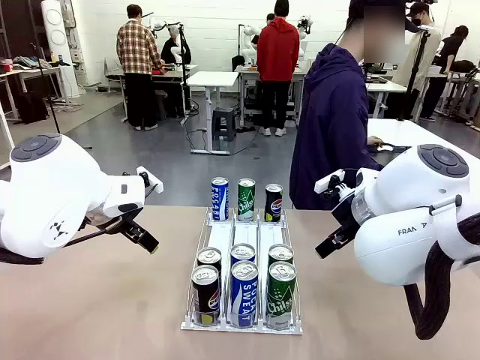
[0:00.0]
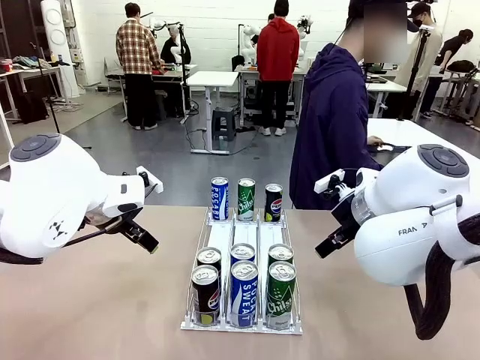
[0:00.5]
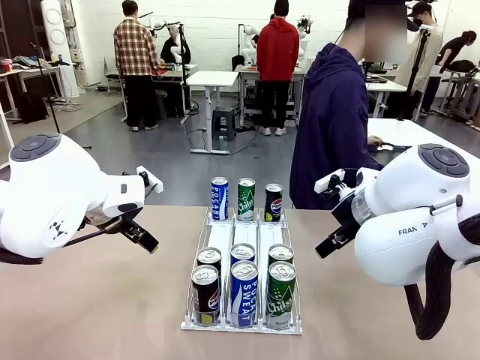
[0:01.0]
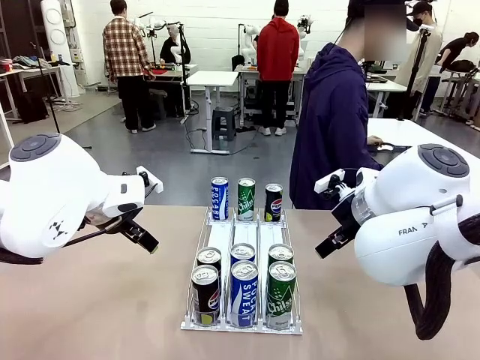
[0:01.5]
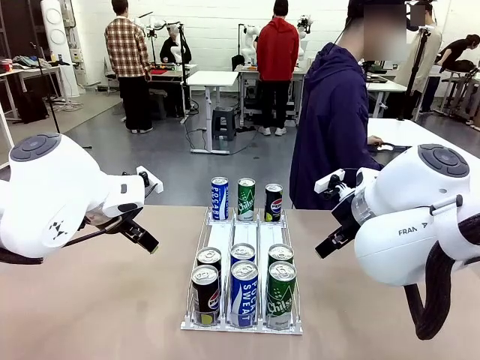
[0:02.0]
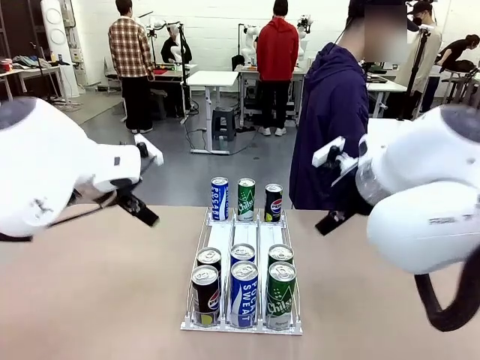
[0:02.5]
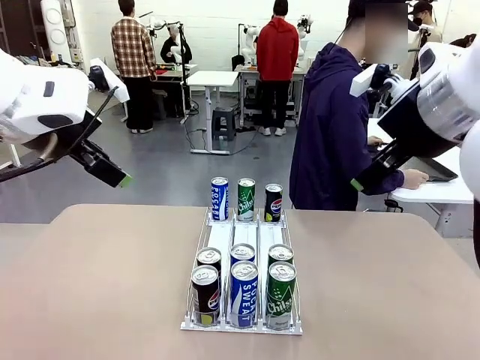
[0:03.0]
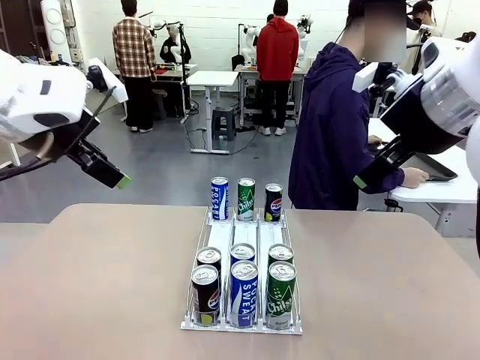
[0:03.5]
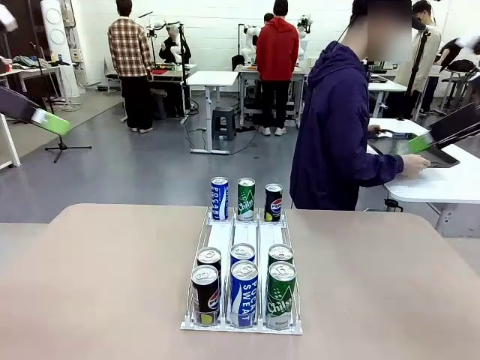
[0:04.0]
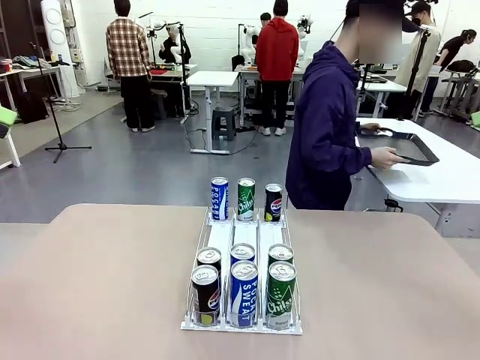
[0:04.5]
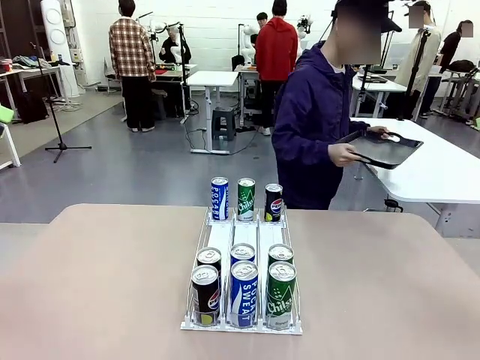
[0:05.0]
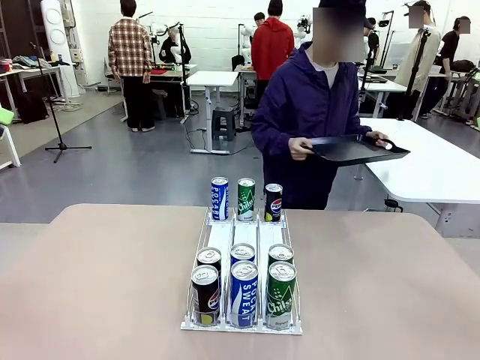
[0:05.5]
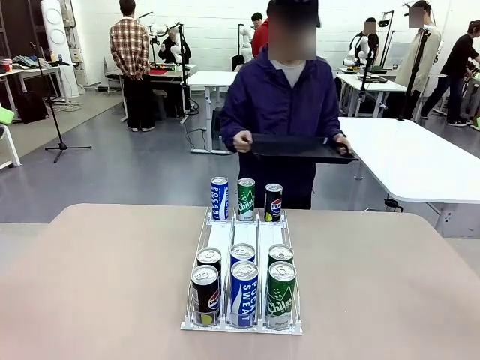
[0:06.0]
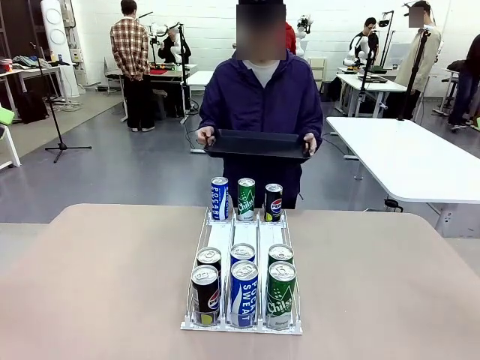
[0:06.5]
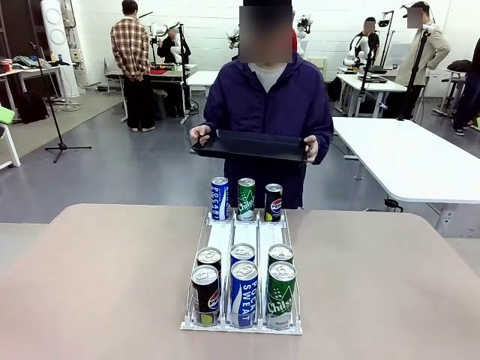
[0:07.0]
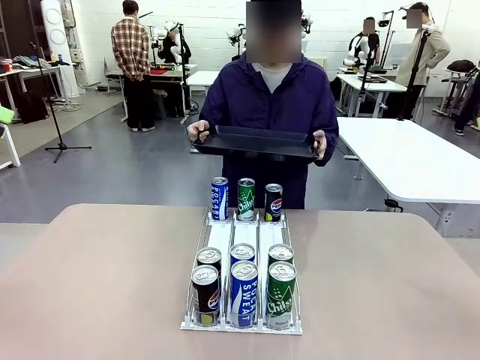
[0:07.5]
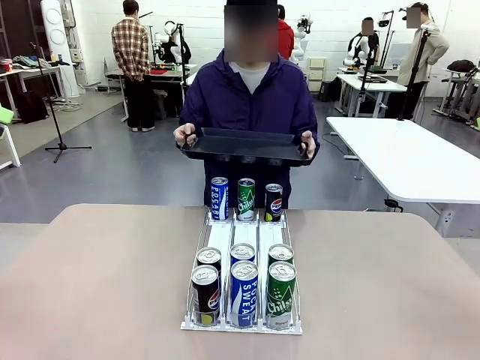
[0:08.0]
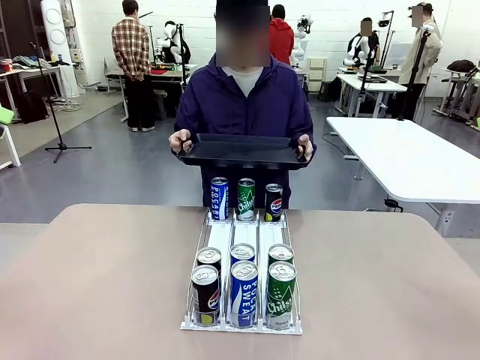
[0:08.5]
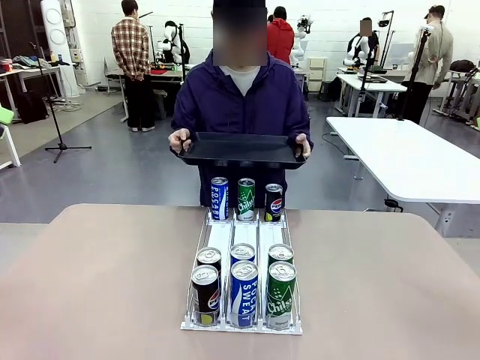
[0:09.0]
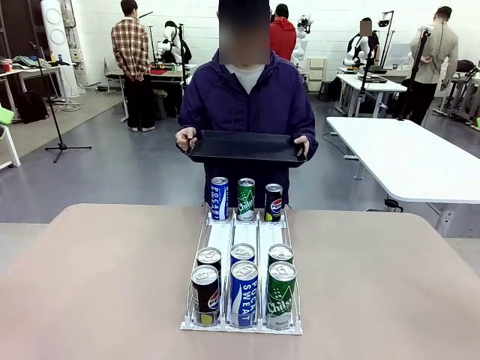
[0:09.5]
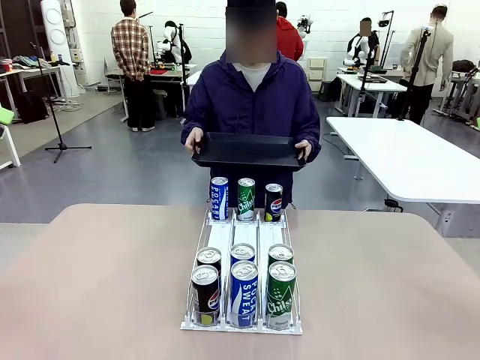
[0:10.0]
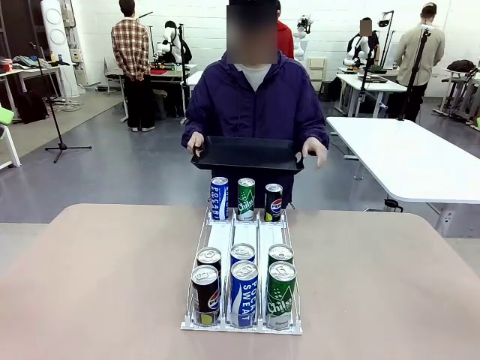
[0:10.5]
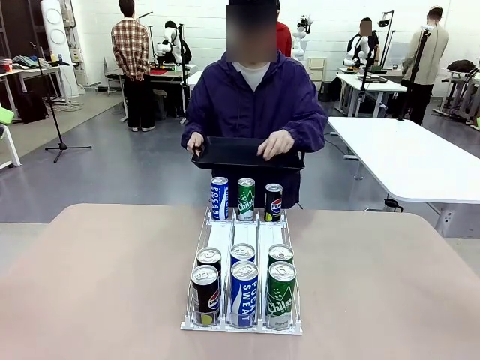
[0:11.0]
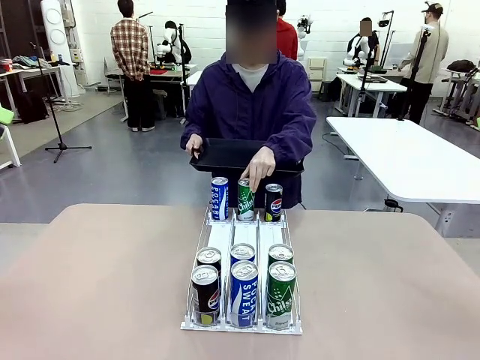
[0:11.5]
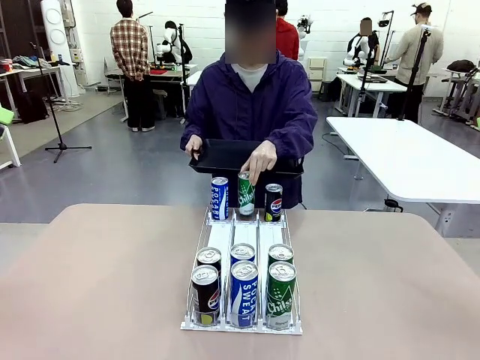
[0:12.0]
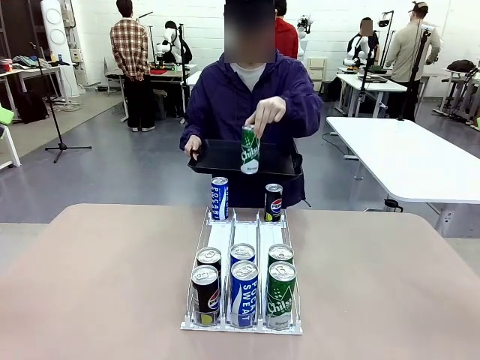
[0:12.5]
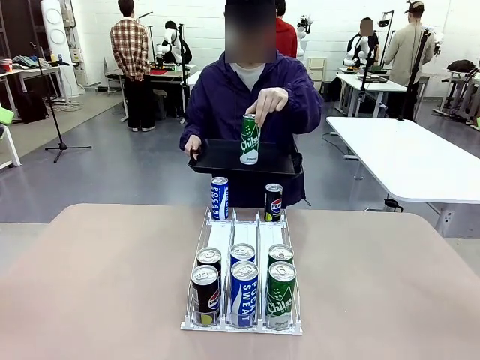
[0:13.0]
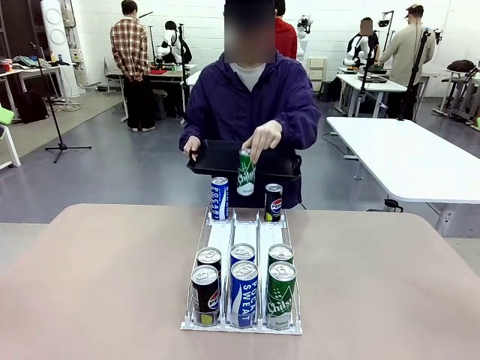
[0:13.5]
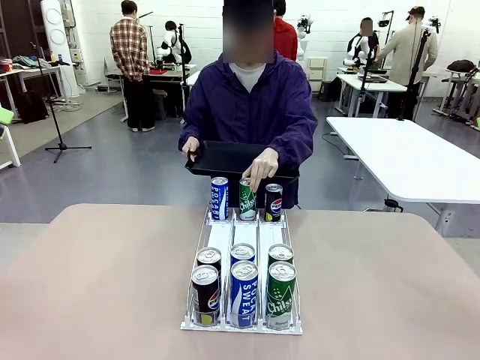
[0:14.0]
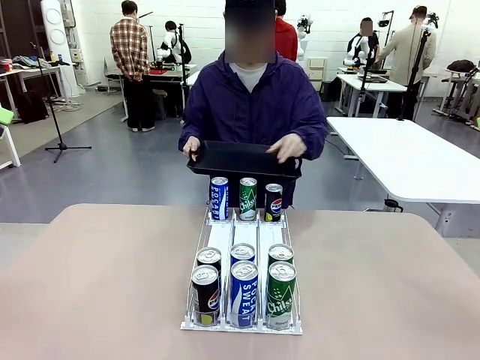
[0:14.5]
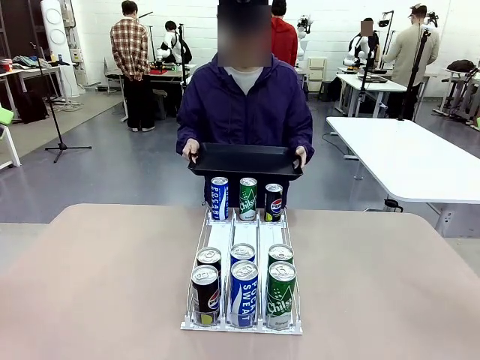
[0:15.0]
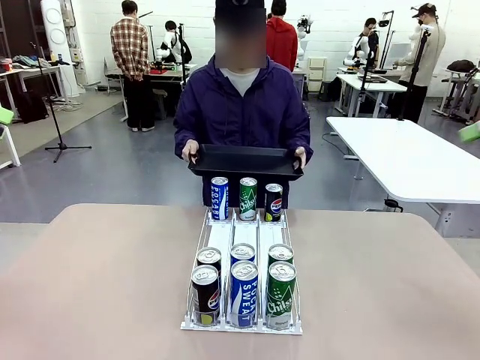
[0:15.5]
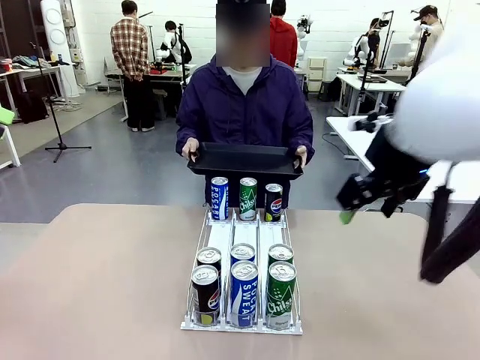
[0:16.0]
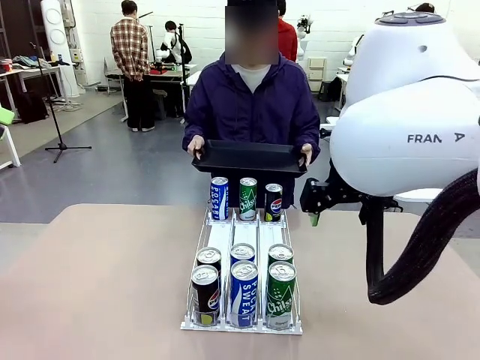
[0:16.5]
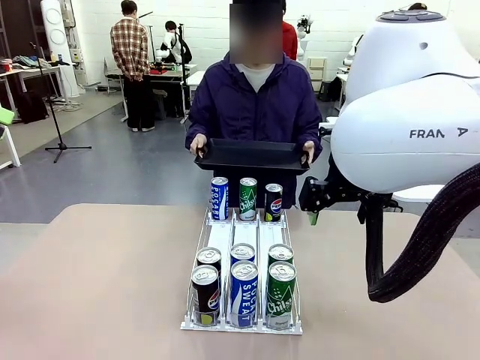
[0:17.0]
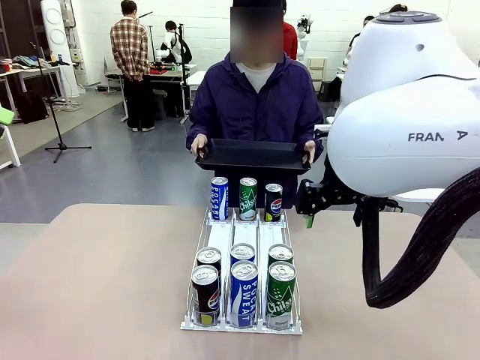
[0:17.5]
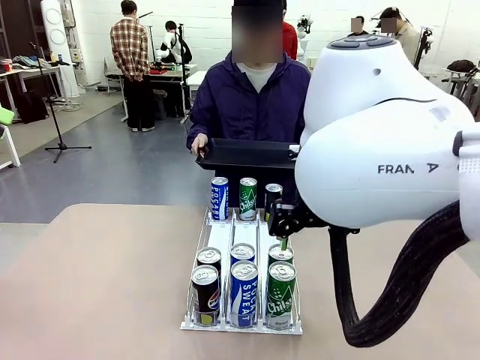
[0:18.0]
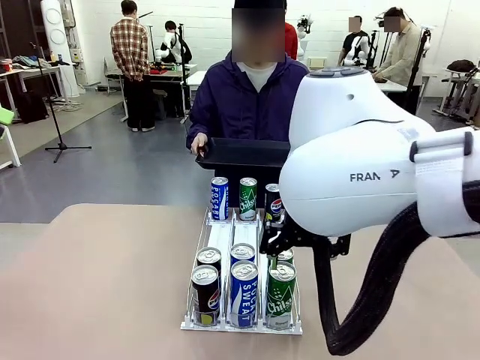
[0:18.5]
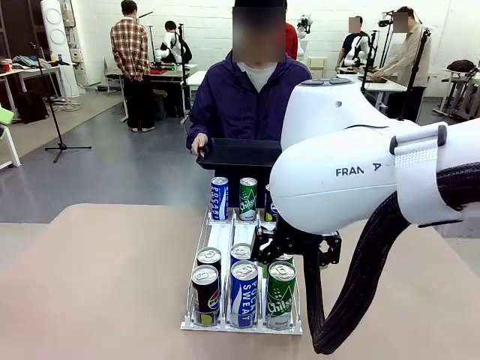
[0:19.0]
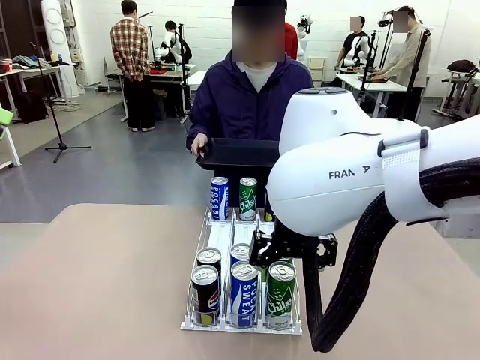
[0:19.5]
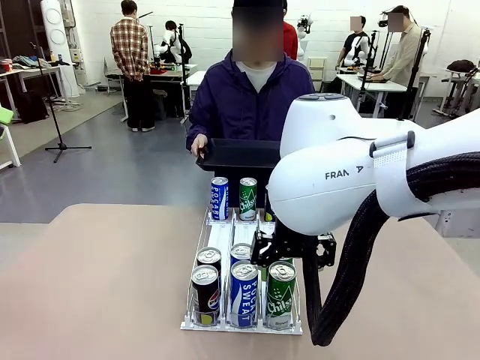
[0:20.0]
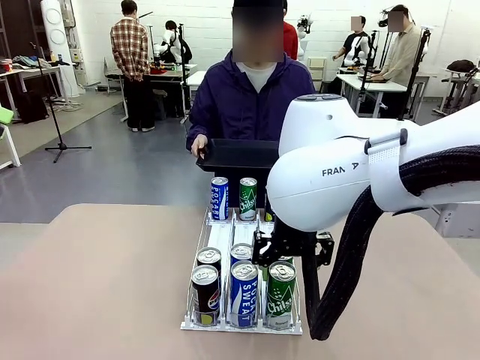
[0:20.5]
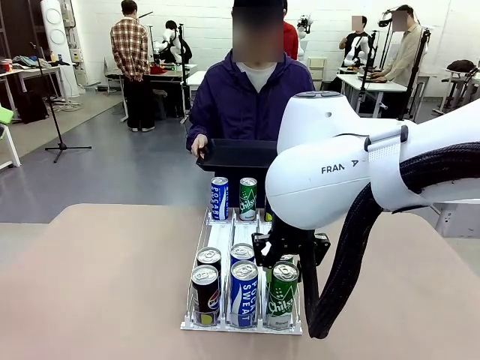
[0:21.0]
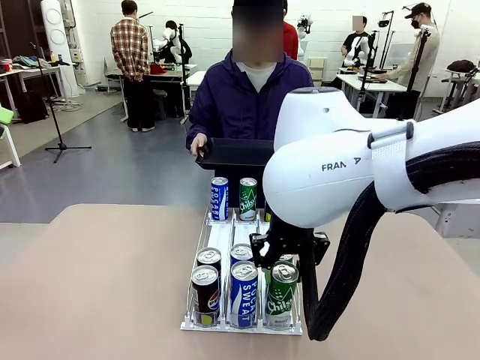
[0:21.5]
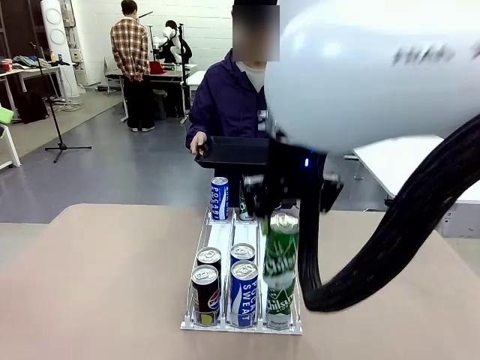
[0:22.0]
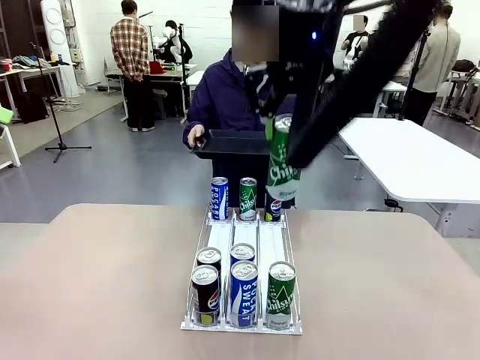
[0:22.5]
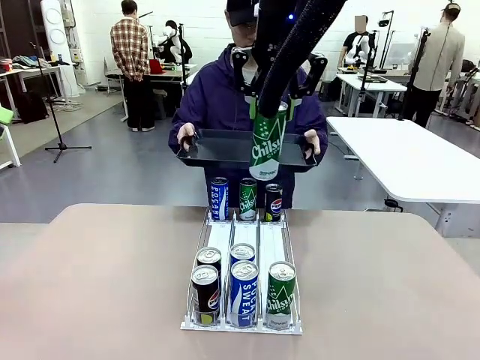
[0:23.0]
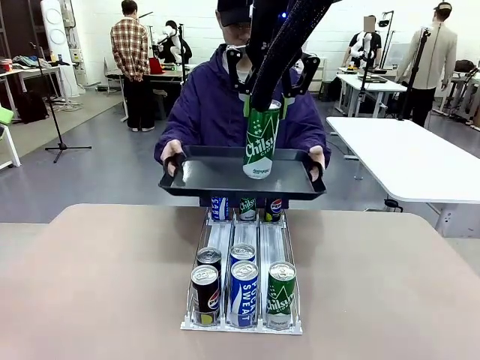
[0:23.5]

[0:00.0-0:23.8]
Task: Retrieve and hand over the desired beverage to the person.
Robot: Pick up a can of the same type that the person held from the Automatic Can Dispenser.
Person: Hold the tray and position yourself in front of the robot table. Pick up one can from the bottom area of the table and puts it back in its original place. Push the tray toward the robot.
